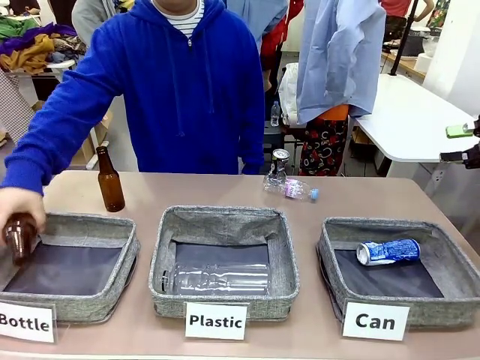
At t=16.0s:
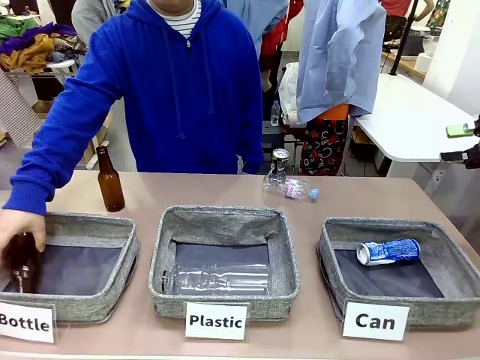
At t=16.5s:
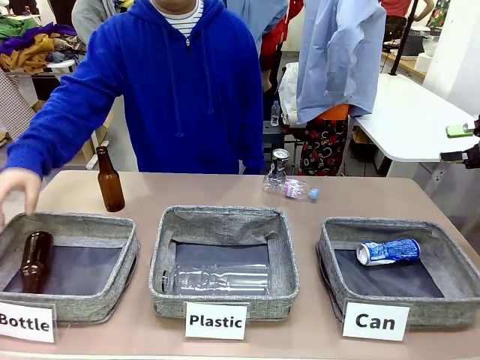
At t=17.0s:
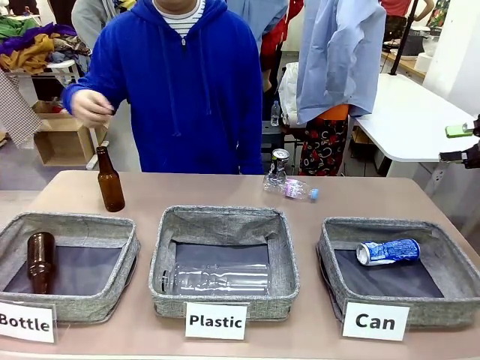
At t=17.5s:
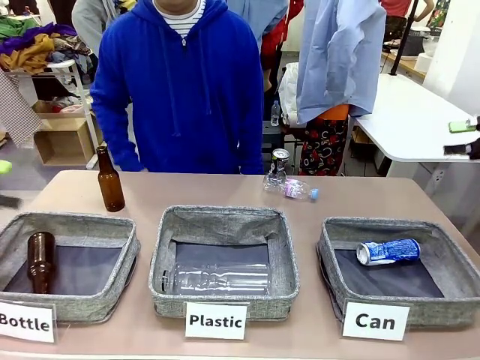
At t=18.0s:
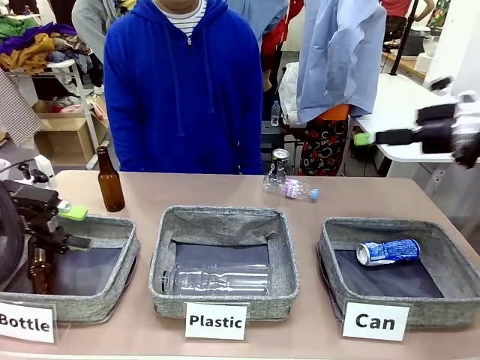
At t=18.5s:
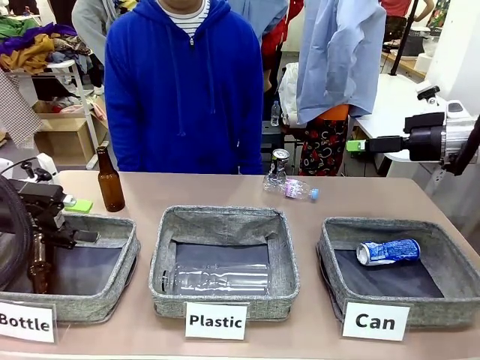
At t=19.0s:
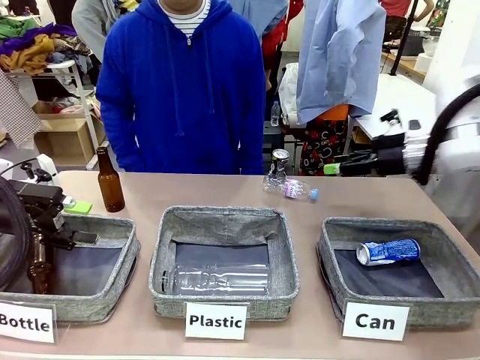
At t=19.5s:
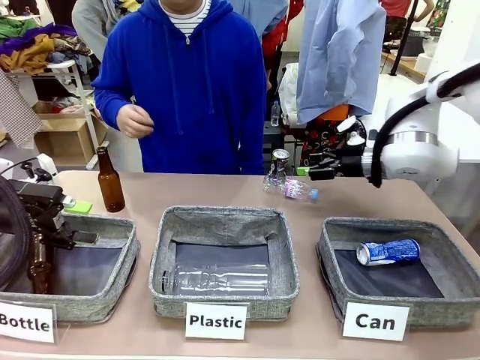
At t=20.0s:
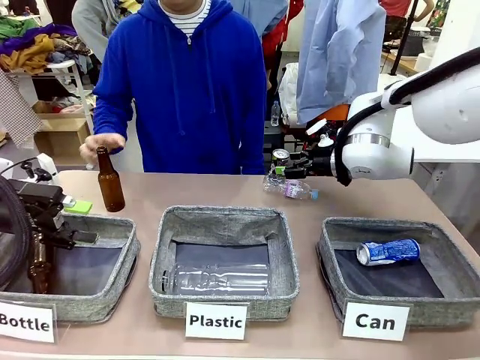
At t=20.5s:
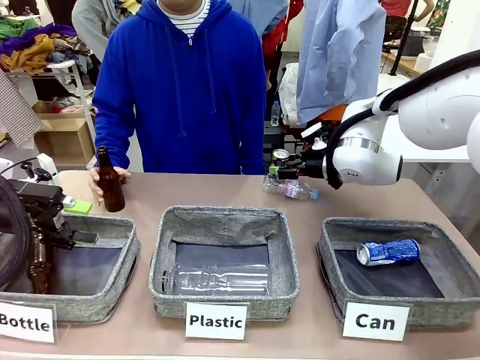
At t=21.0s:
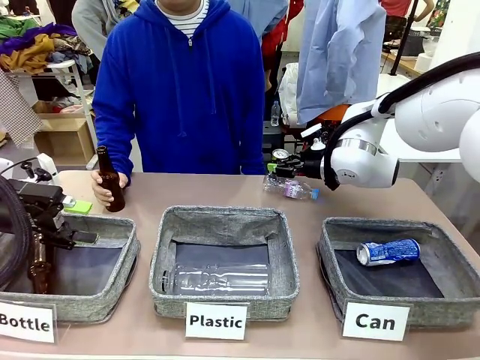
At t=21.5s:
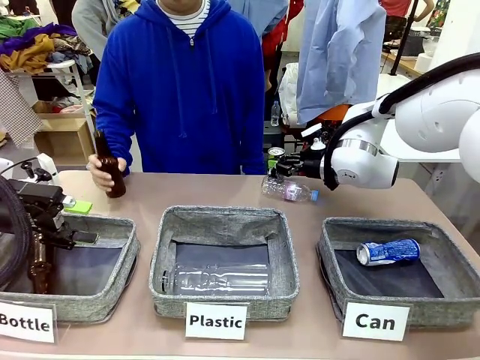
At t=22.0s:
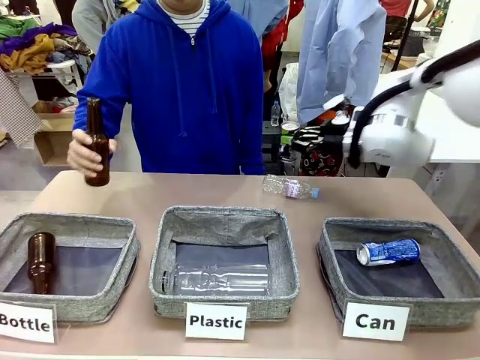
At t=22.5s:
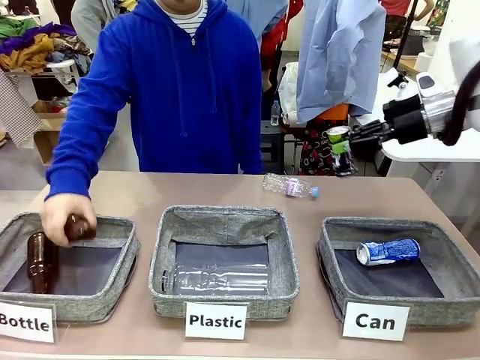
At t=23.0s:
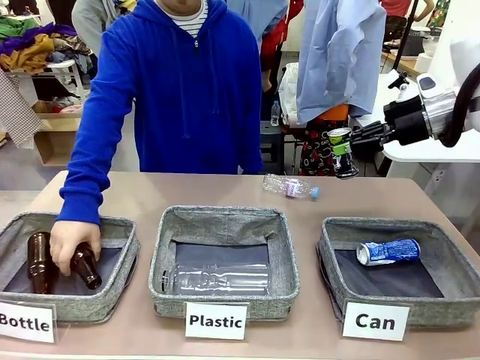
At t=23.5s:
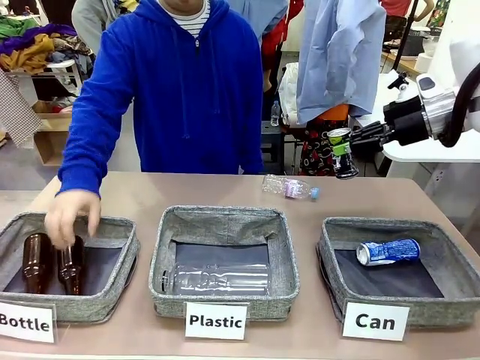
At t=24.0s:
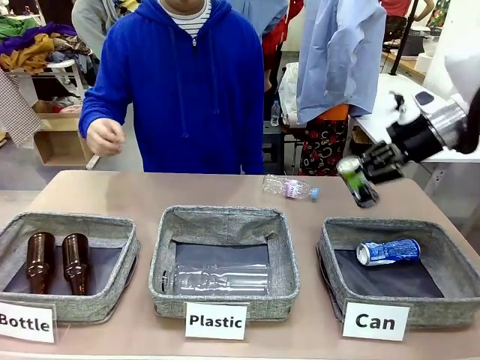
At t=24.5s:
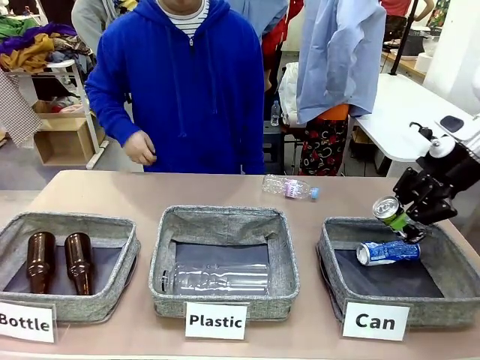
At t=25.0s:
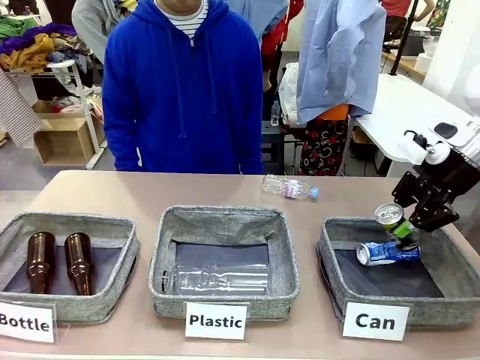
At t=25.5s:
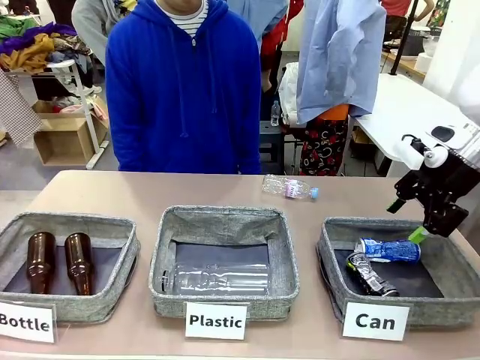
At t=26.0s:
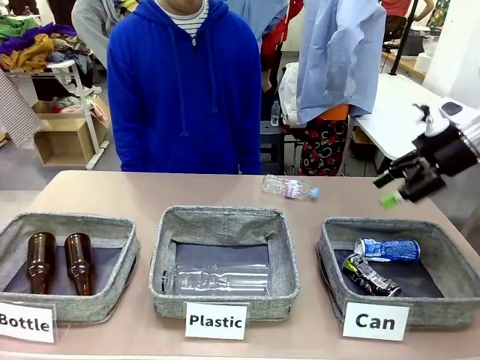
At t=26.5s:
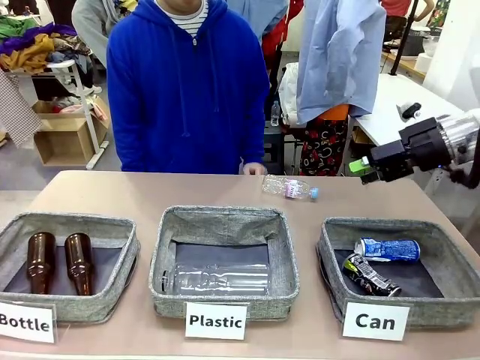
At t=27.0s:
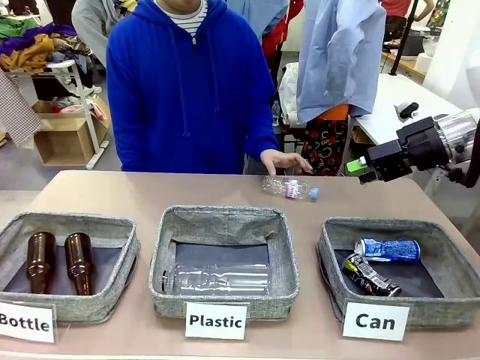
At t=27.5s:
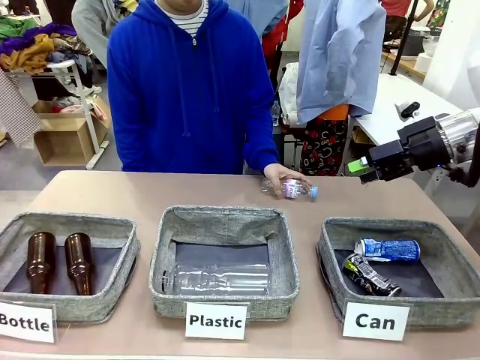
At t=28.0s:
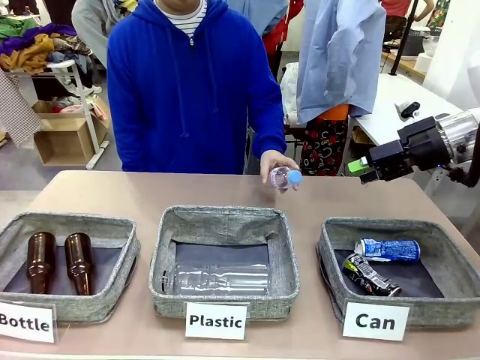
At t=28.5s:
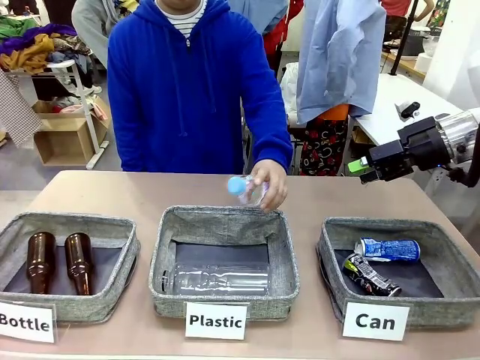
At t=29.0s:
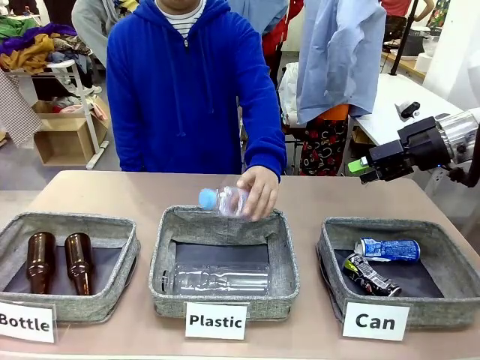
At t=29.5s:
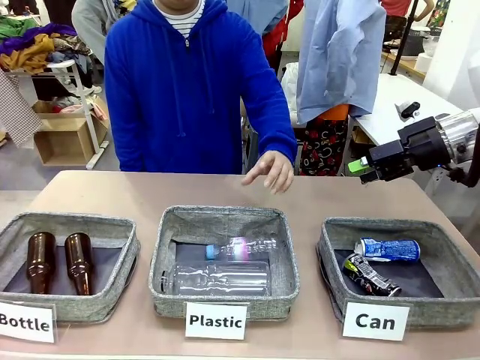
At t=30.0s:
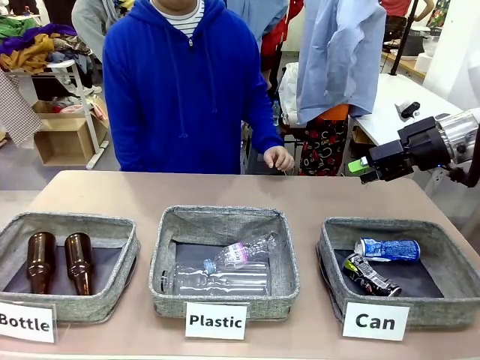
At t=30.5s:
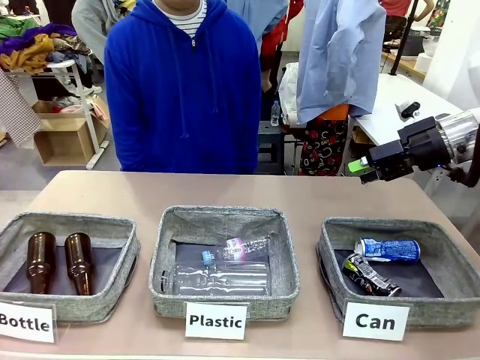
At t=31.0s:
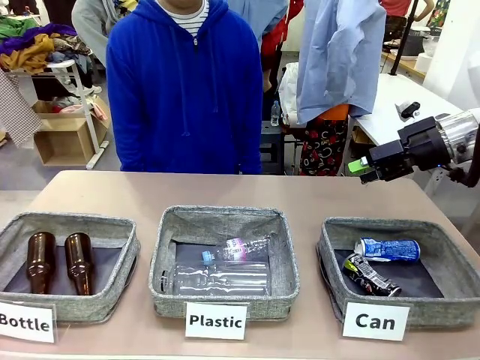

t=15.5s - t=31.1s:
Task: Sort the can waste into the basket.
Robot: Pick up the can waste from the table and place it in the right Fabric basket.
Person: The human picks up one piece of trash that is not a can and places the trash into the appropriate organizing basket.

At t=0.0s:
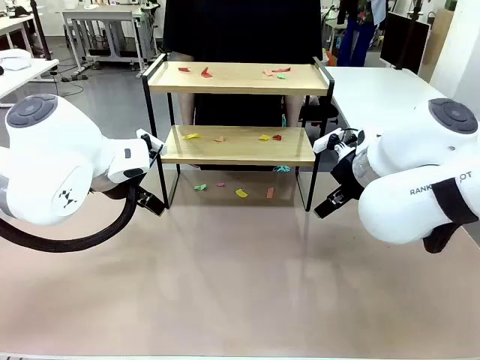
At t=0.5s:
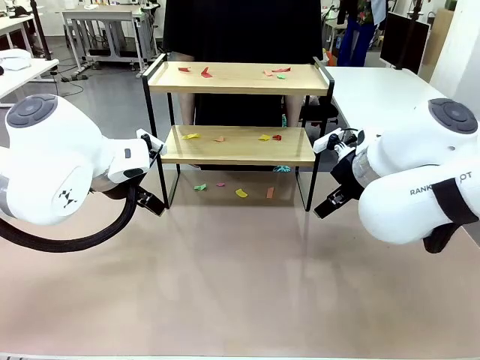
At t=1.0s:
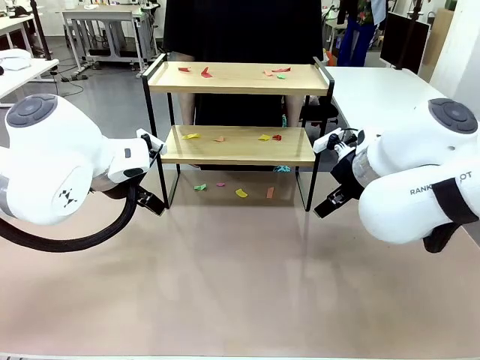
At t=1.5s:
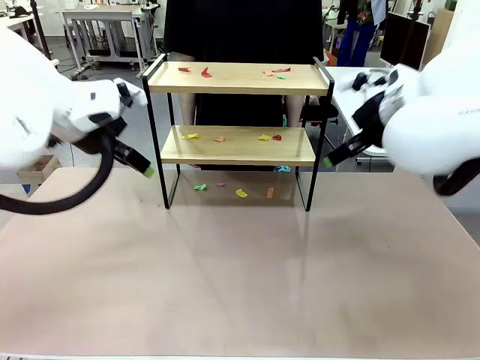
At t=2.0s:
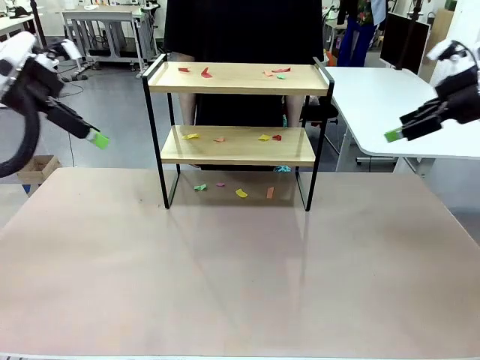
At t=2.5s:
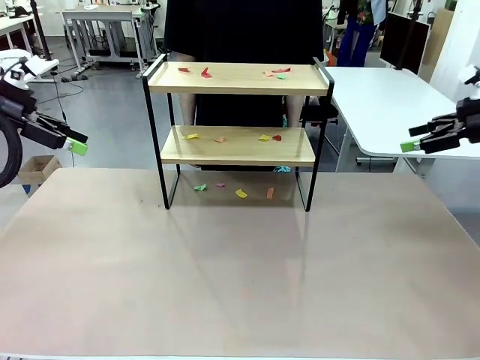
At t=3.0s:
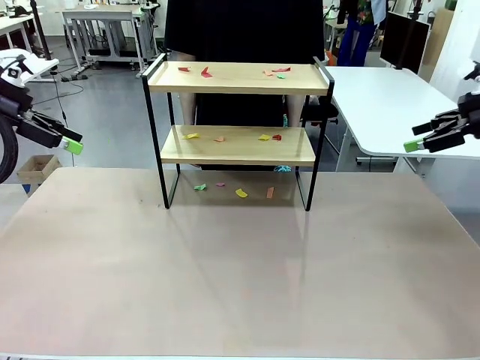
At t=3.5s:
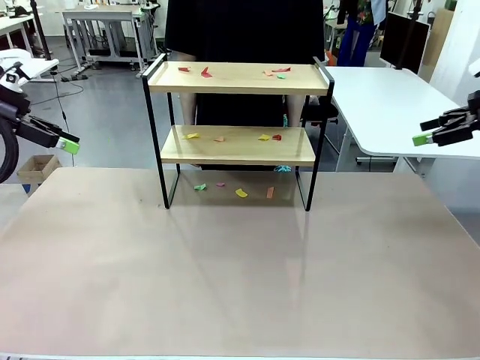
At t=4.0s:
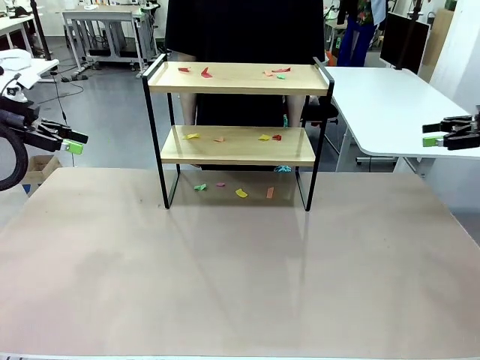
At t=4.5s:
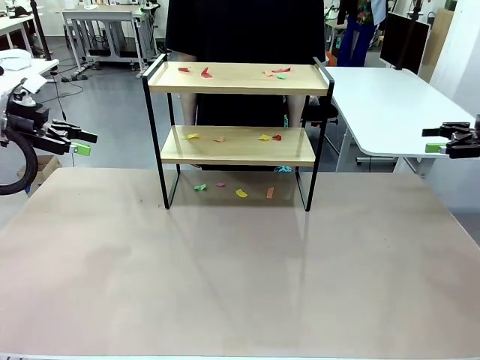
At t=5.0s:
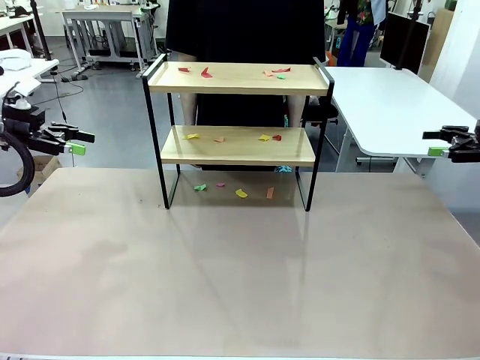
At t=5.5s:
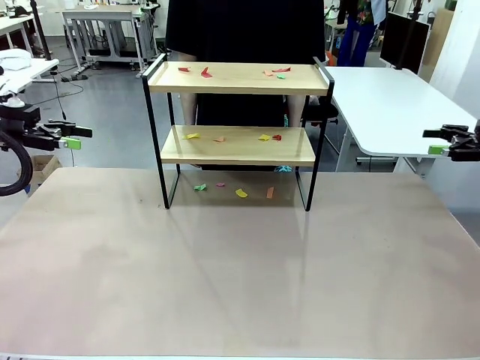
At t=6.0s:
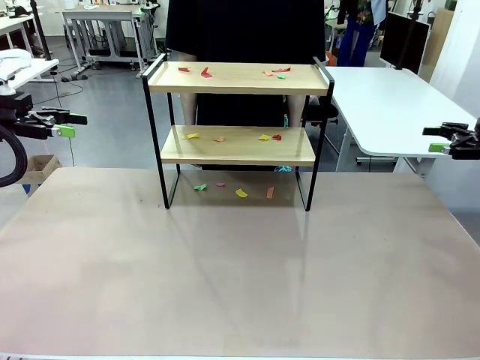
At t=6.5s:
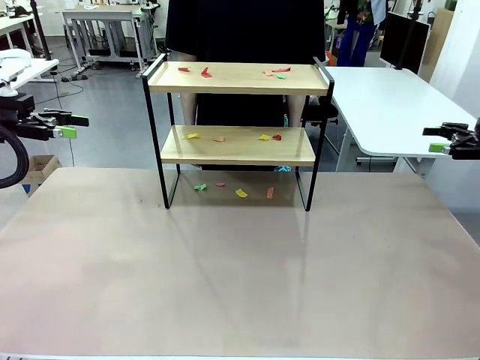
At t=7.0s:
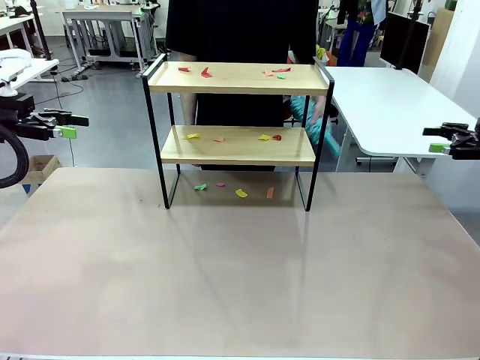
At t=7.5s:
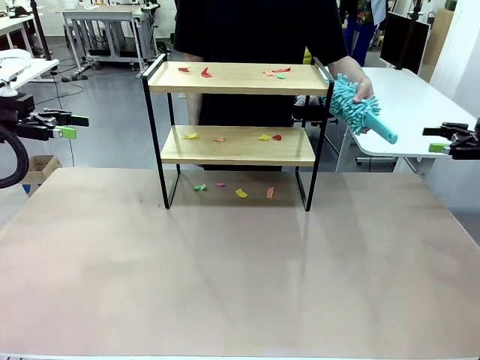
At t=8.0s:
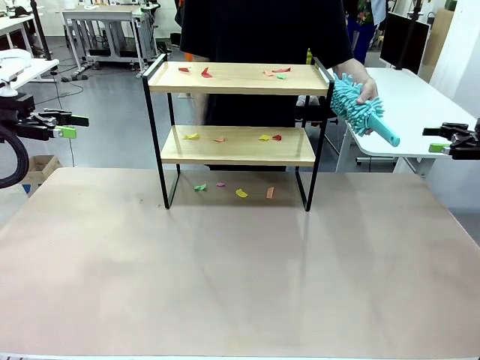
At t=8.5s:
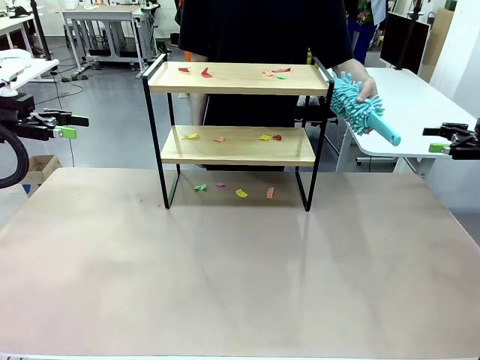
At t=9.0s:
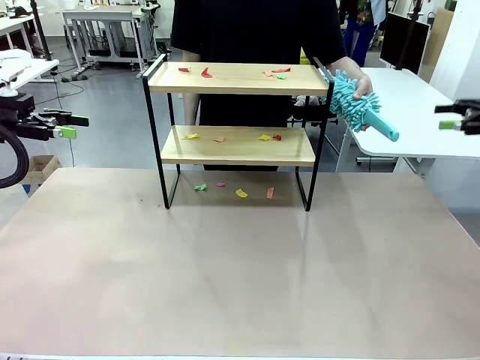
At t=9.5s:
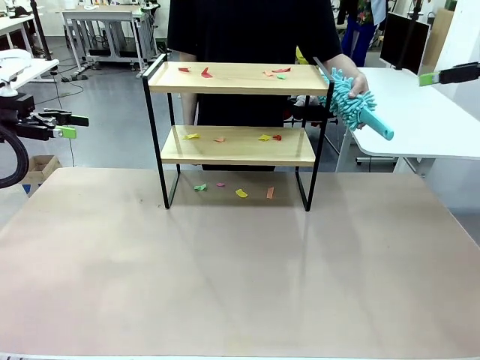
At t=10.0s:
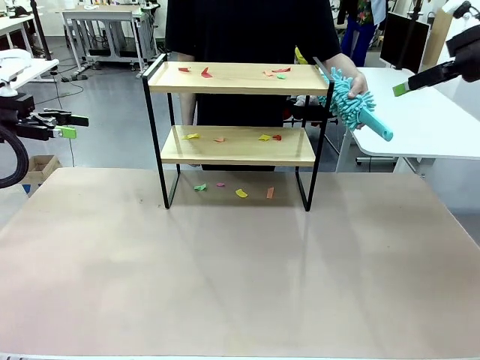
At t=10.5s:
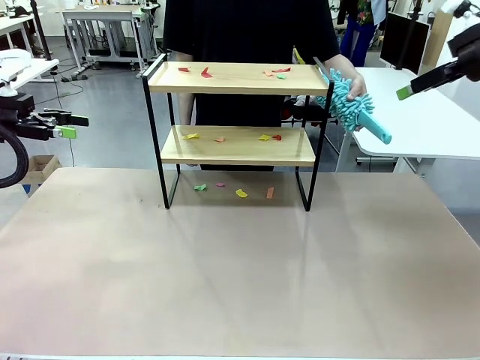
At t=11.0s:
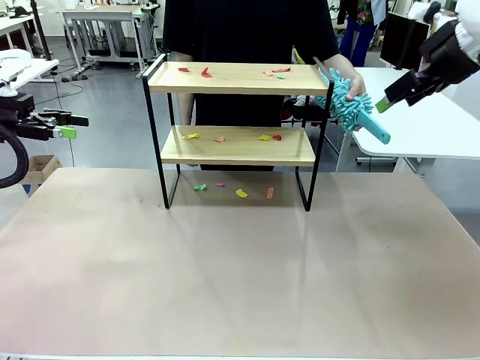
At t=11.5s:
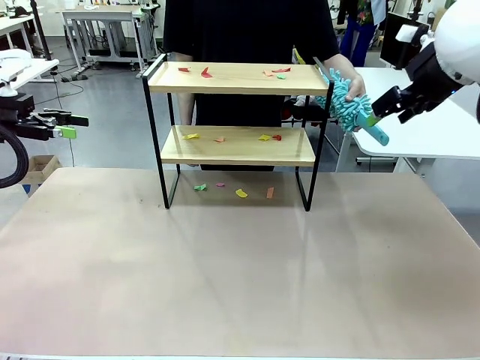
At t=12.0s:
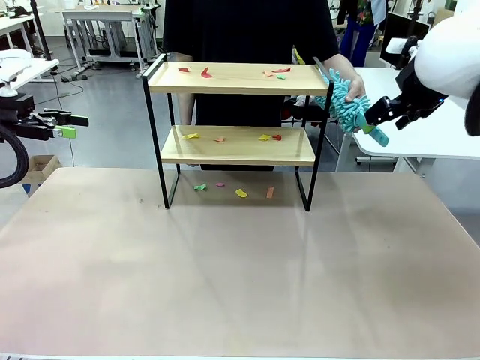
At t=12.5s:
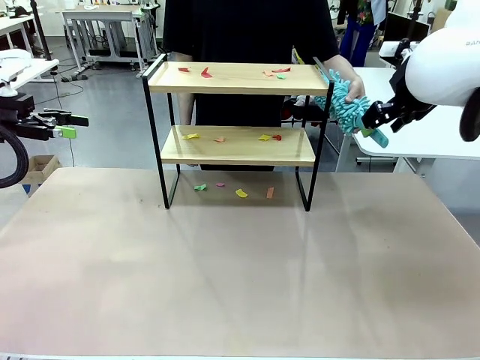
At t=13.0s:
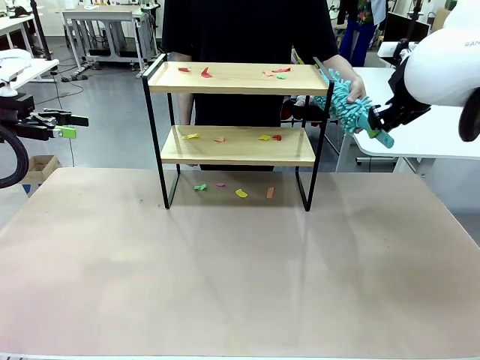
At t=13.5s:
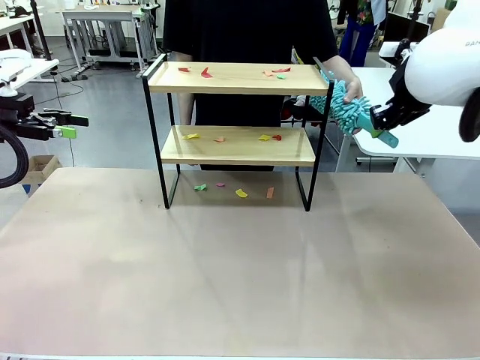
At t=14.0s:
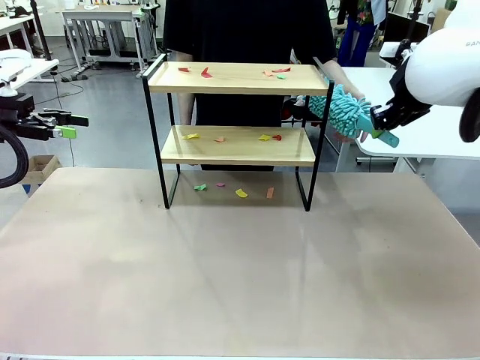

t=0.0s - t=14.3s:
Task: Clean the shelf.
Robot: Pick up the Duster handed by the human.
Person: Hand the Duster to the robot.
